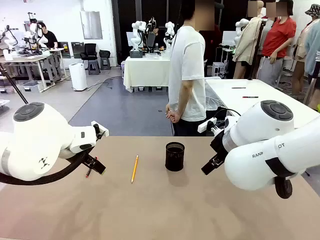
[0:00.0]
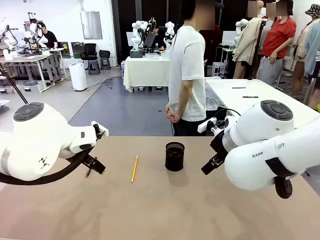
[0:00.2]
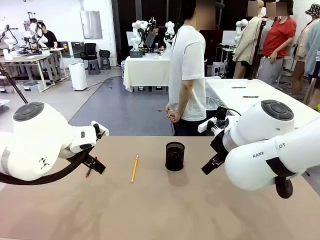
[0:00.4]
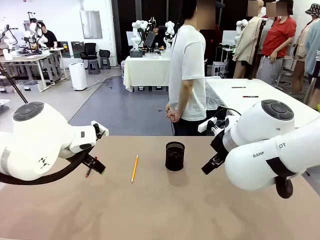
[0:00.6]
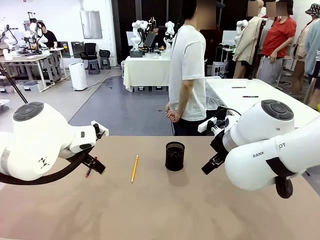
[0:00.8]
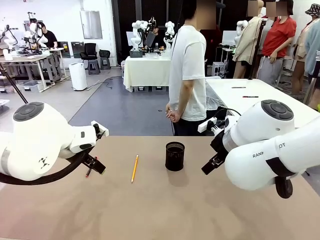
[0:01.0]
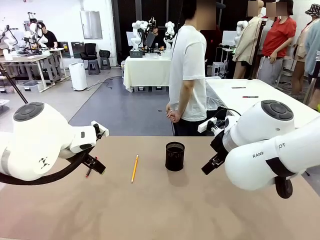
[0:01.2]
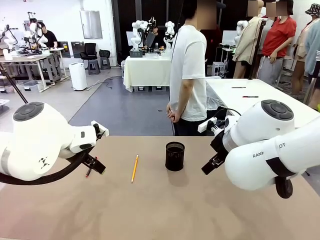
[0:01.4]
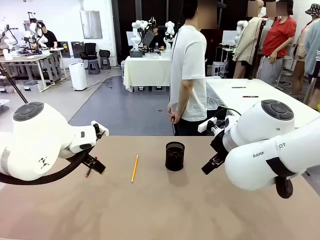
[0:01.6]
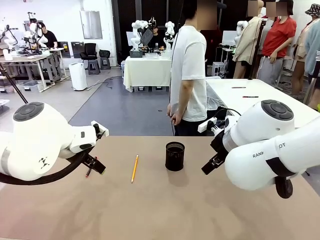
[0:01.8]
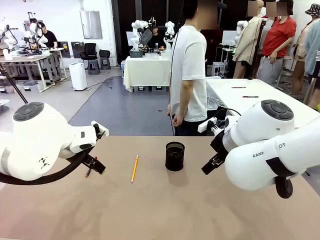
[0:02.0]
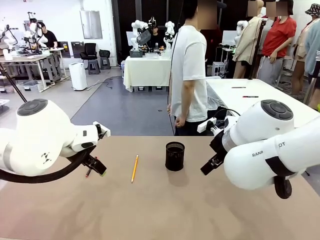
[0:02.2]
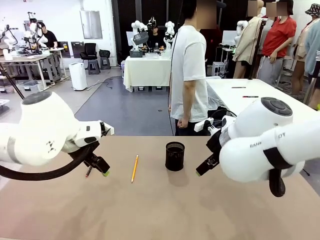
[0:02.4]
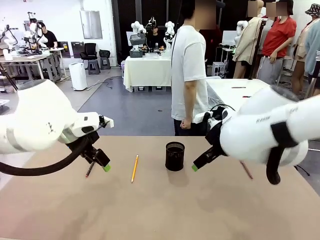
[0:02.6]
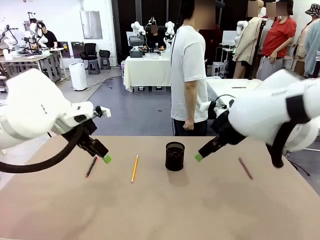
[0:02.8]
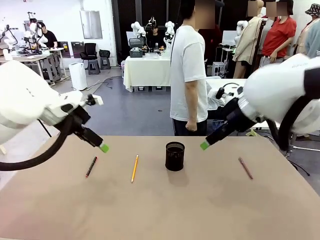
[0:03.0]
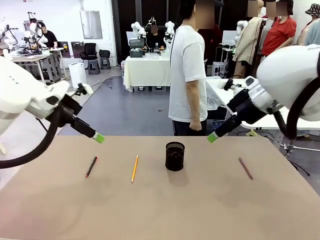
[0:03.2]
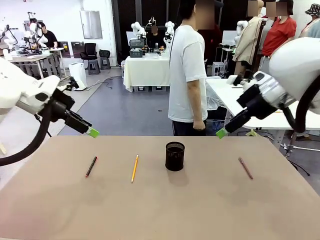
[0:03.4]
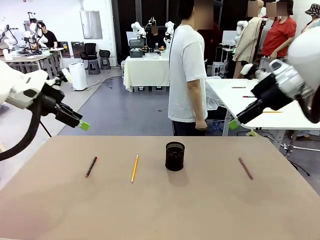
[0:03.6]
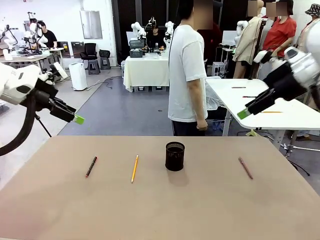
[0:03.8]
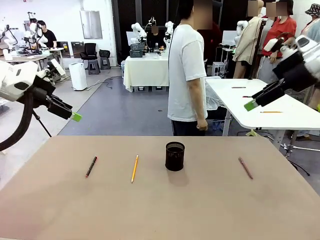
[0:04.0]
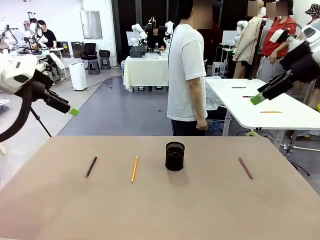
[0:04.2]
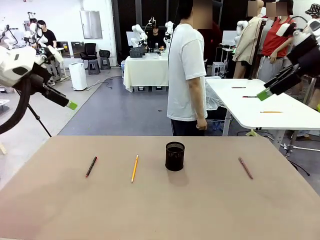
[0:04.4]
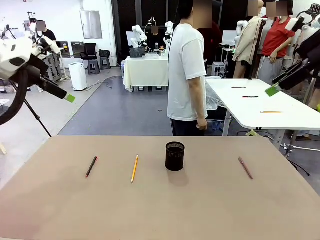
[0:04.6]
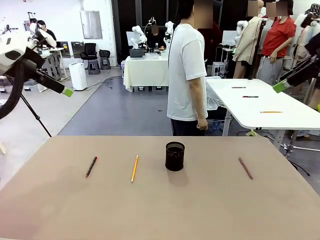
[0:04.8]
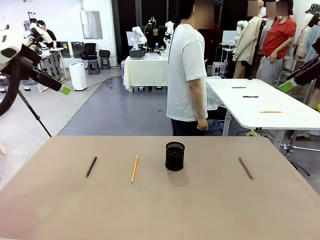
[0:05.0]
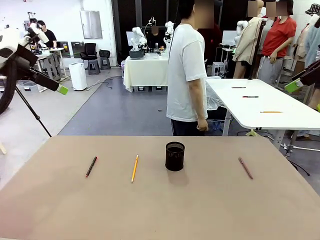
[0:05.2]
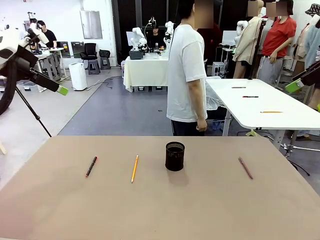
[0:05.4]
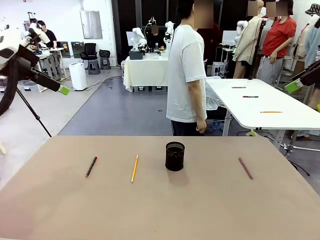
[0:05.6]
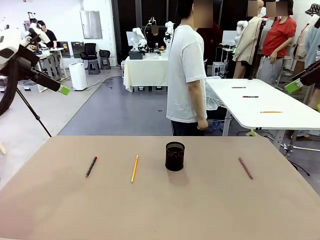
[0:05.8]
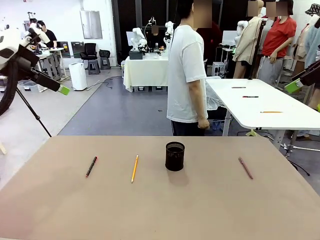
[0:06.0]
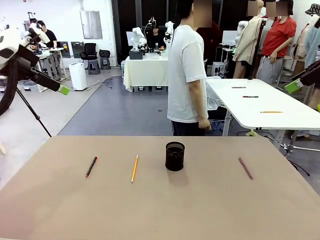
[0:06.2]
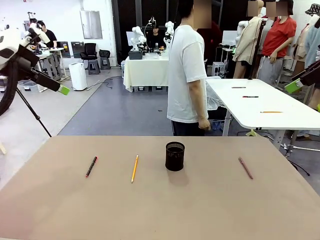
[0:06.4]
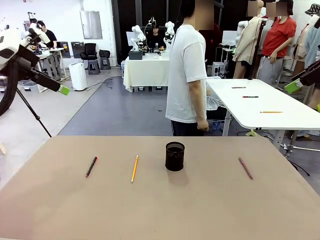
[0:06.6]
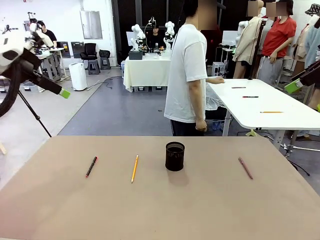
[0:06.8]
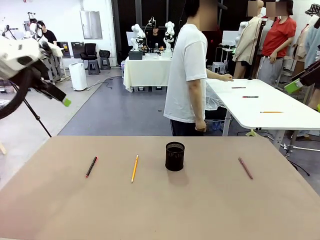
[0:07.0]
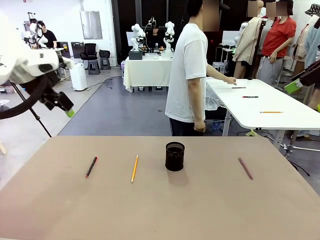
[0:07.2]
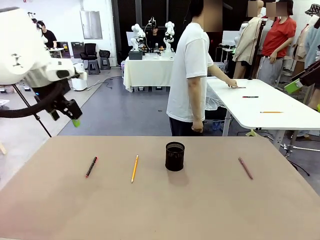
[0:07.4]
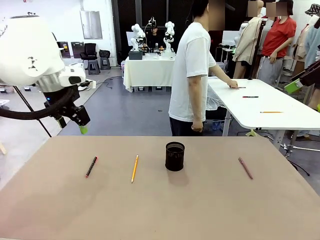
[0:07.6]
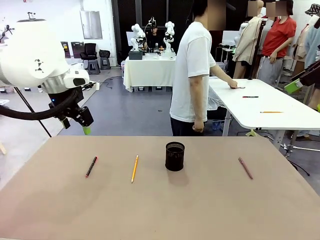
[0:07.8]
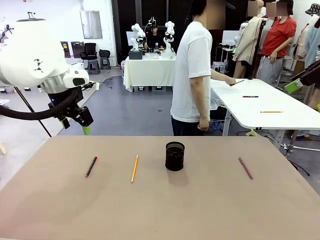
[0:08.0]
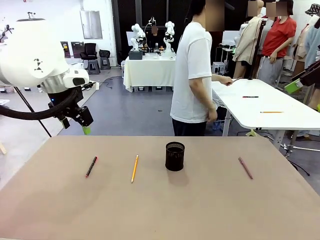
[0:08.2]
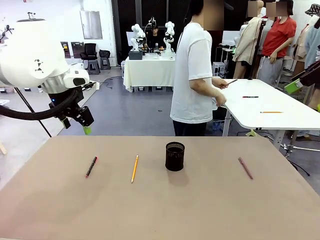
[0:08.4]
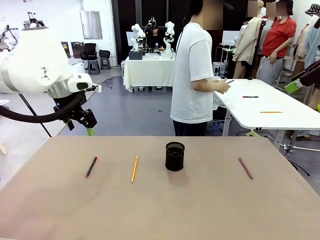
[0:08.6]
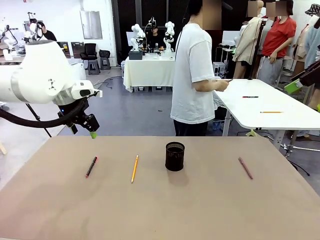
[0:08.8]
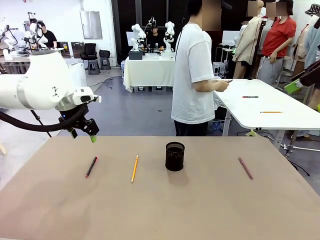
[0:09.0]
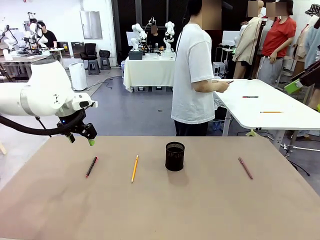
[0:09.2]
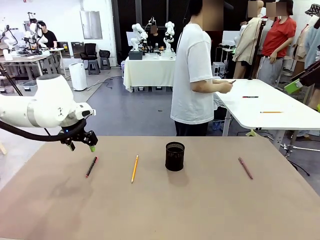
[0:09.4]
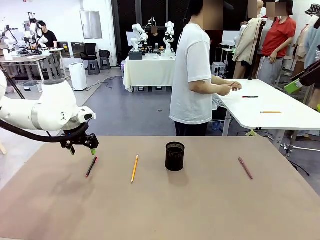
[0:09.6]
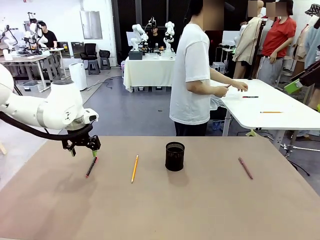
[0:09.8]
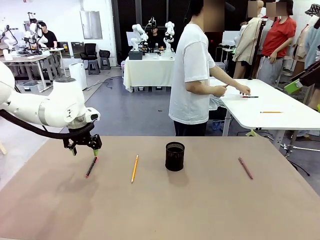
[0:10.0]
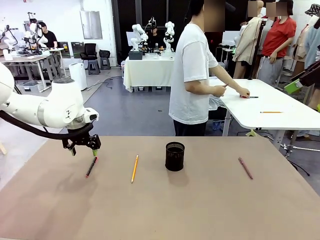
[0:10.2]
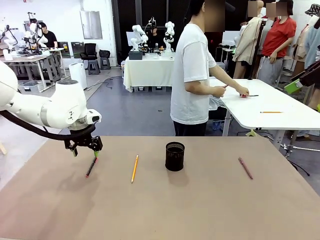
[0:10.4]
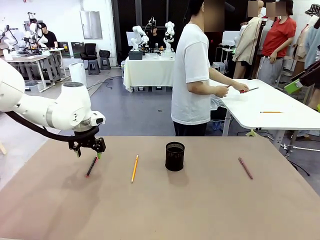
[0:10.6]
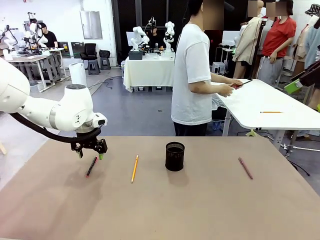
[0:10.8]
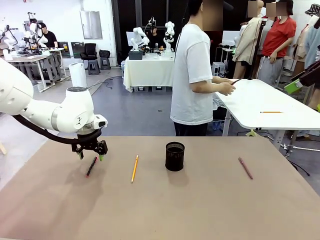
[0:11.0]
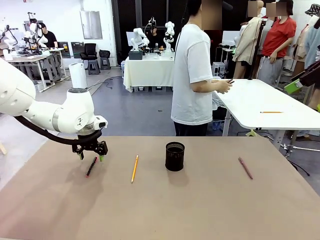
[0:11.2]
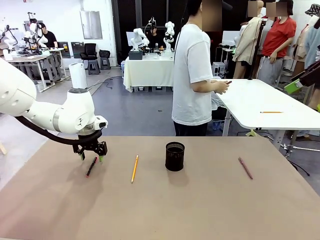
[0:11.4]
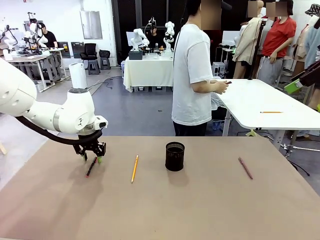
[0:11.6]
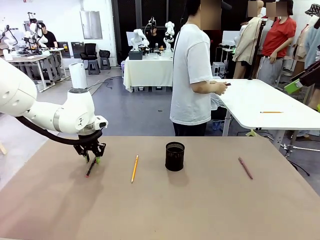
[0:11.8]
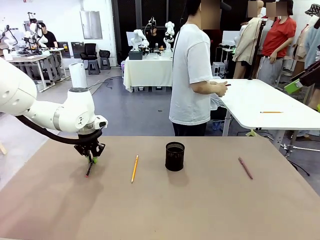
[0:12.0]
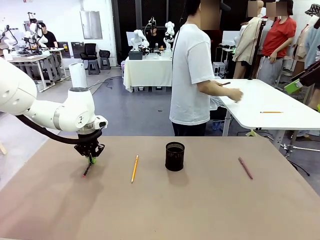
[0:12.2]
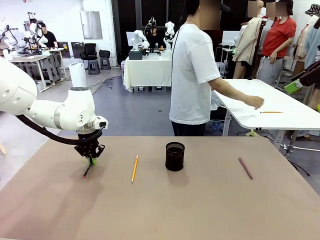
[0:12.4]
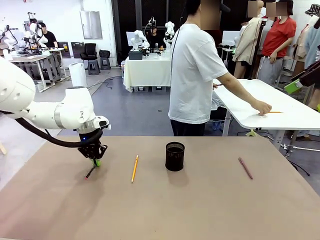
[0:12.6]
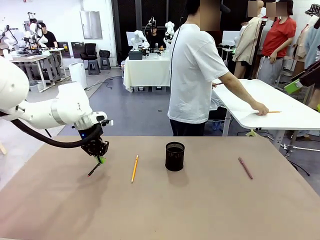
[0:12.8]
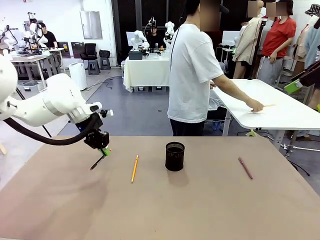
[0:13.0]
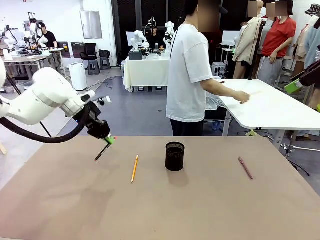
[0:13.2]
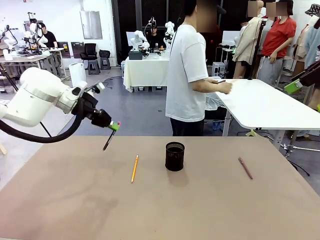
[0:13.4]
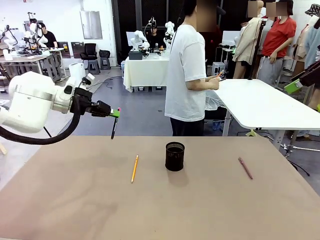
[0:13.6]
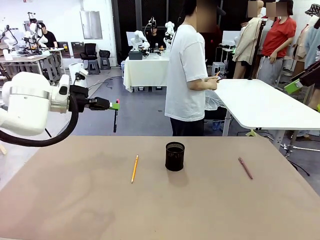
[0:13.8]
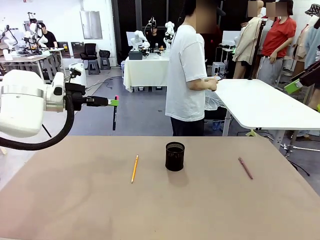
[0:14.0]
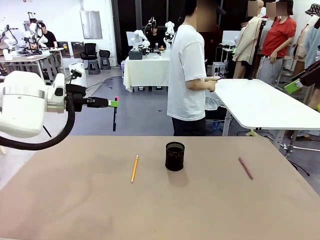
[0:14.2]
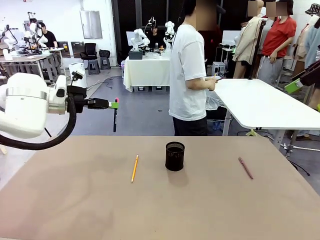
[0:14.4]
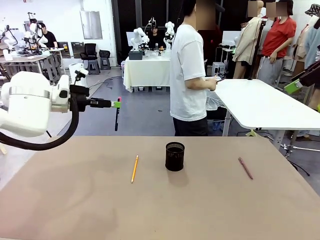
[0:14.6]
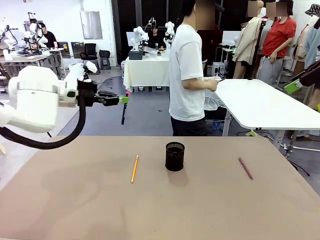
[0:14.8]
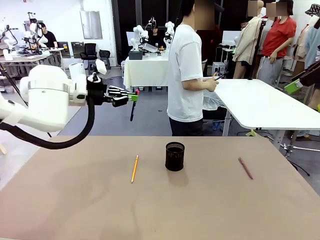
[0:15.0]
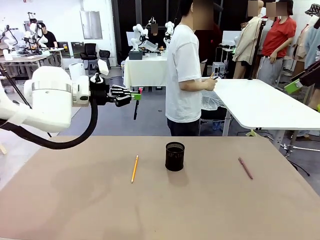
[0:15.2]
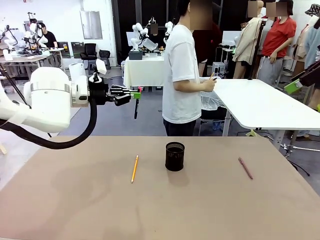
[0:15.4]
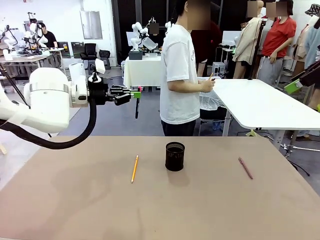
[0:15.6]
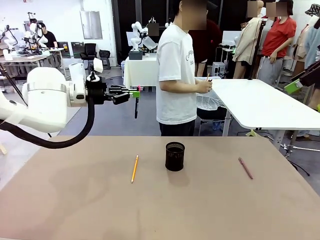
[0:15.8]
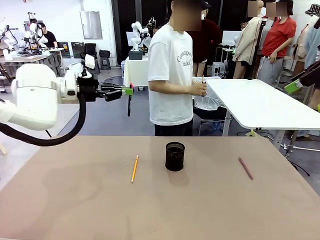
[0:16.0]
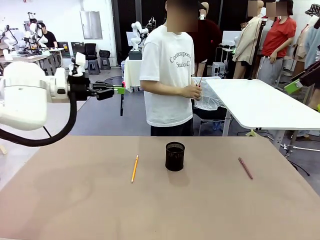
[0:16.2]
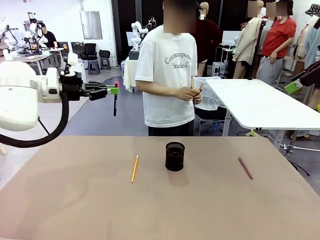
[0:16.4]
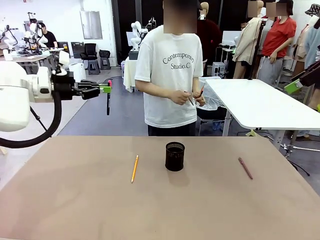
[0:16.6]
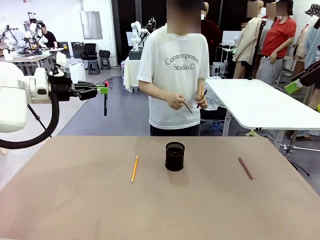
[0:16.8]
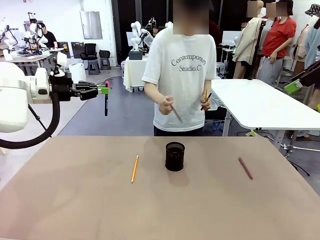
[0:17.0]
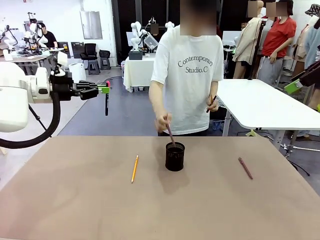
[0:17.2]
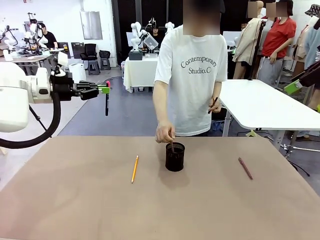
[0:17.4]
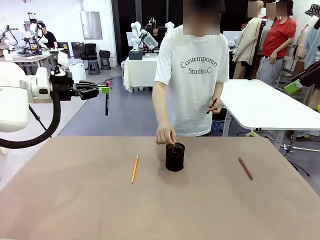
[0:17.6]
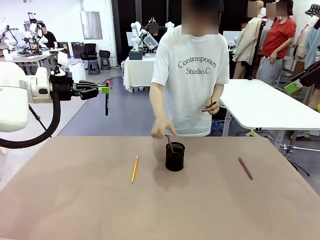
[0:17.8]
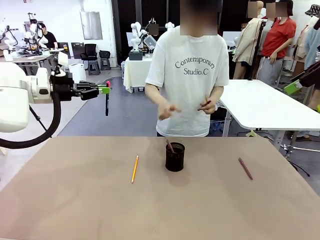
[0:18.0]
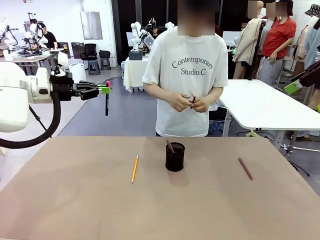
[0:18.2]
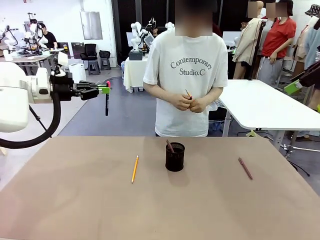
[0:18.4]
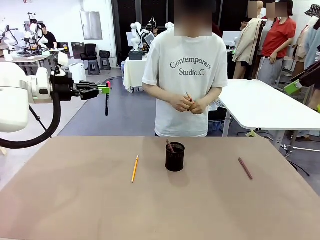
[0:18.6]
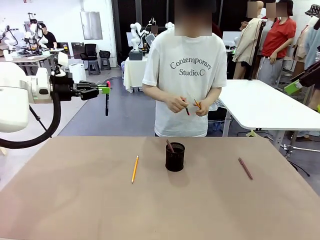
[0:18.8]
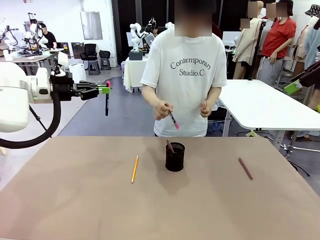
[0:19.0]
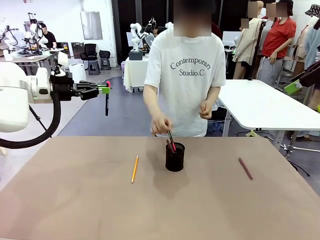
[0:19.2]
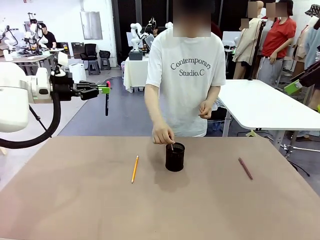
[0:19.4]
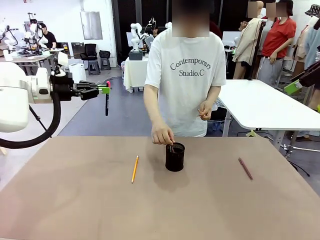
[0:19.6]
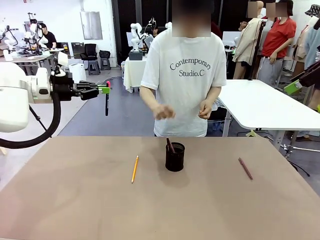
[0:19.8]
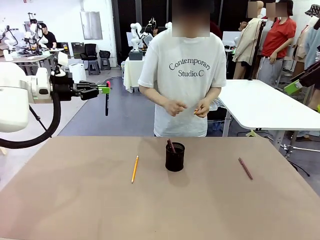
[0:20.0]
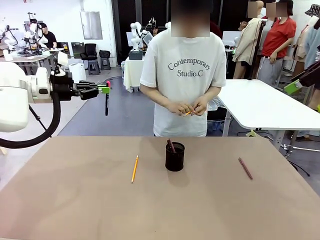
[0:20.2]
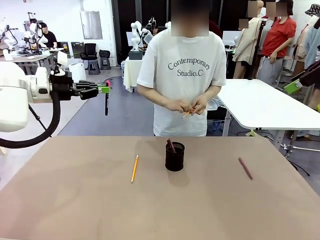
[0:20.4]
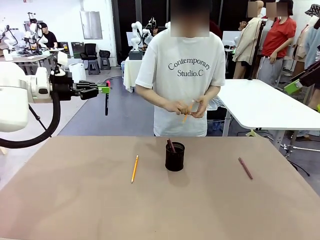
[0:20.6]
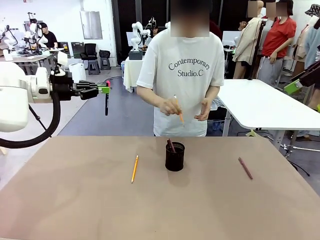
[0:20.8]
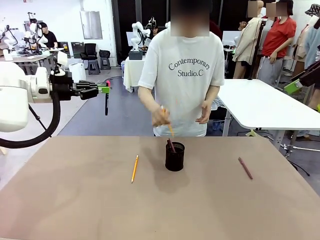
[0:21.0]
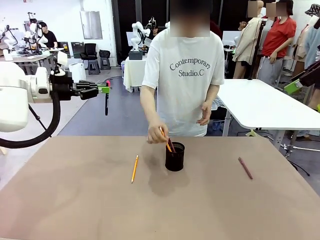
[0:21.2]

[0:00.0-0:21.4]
Task: Place the pens into the pen holder.
Robot: Pick up a writing instrument from the table and place it into the Pen holder.
Person: Pick up all writing instruments from the Human table.
